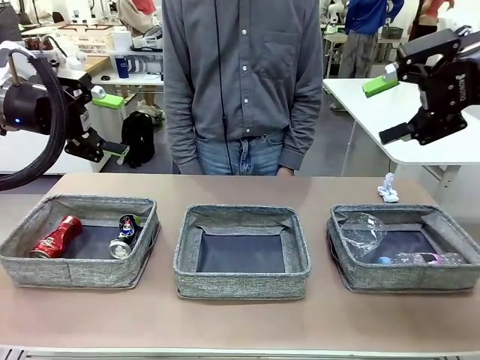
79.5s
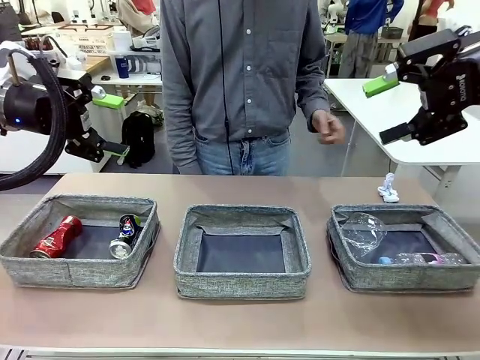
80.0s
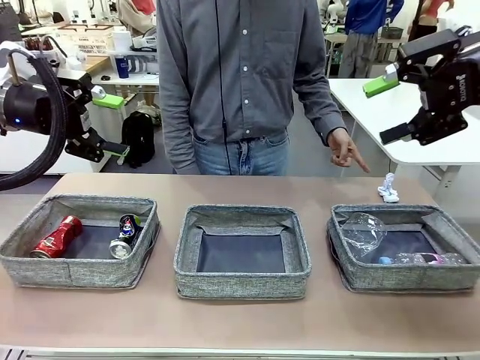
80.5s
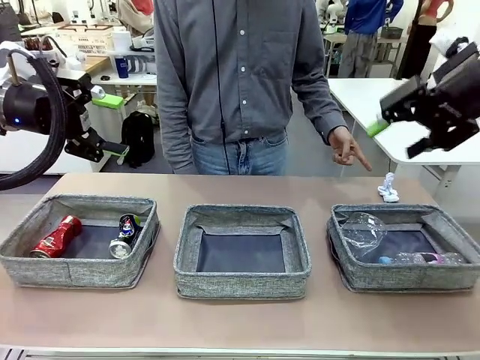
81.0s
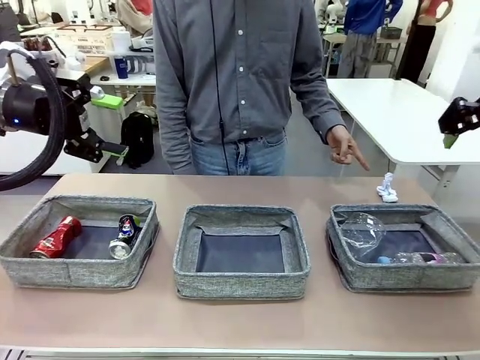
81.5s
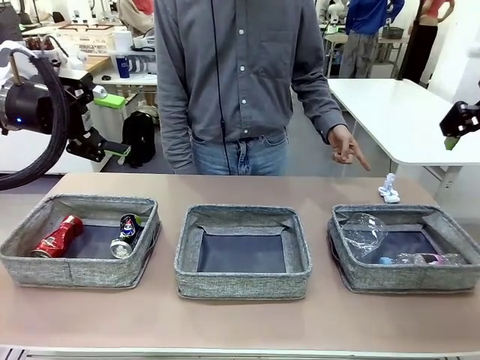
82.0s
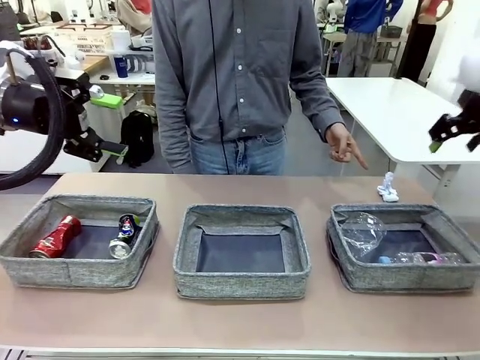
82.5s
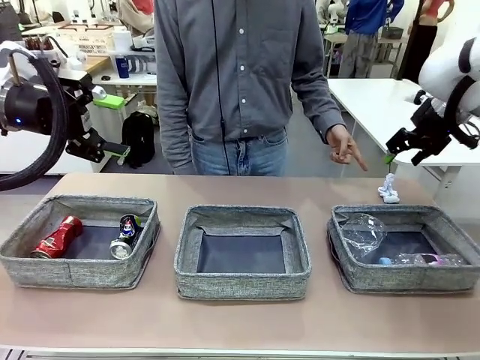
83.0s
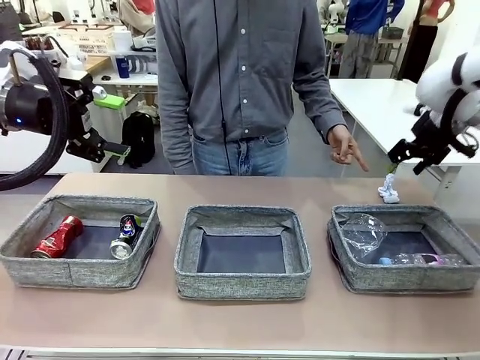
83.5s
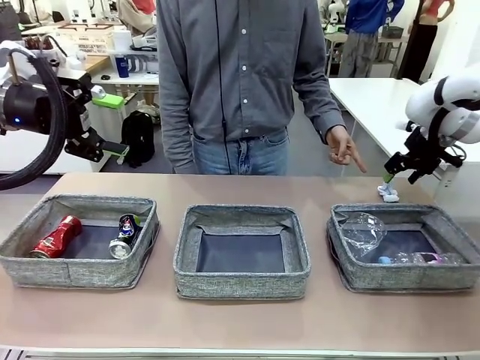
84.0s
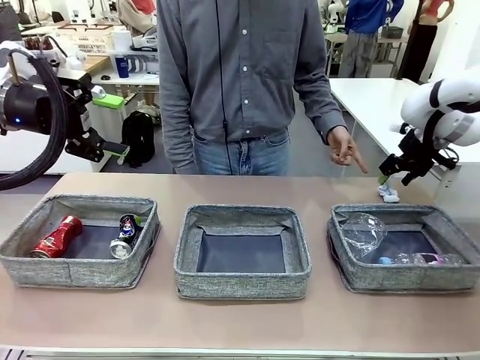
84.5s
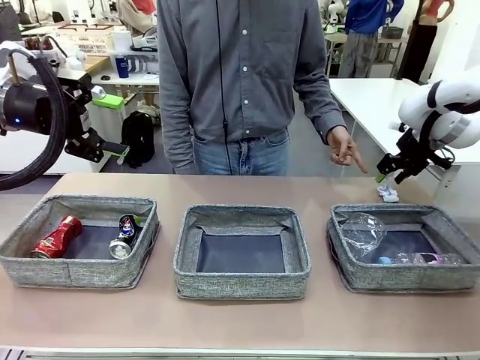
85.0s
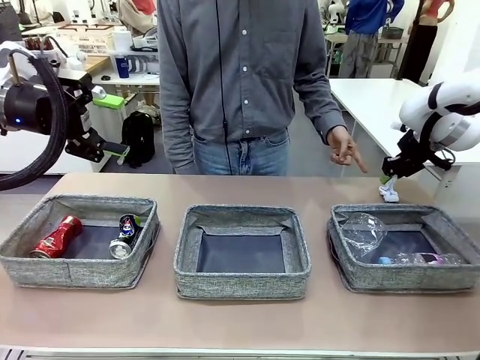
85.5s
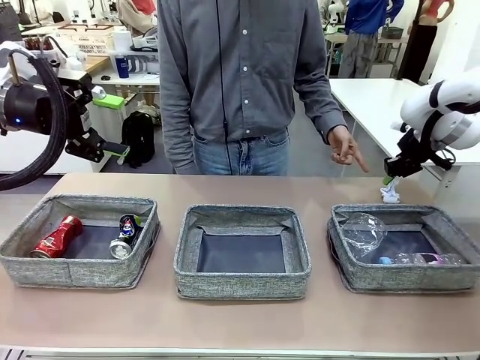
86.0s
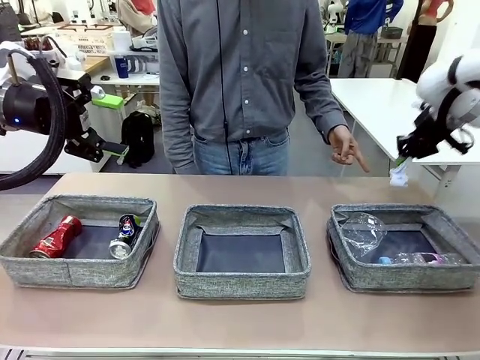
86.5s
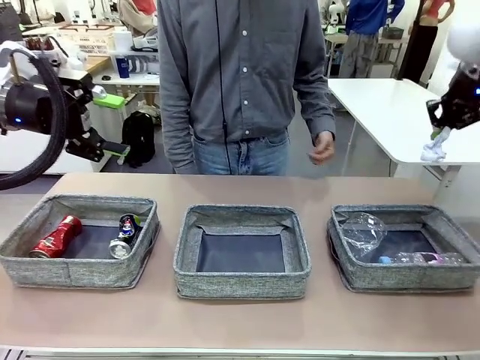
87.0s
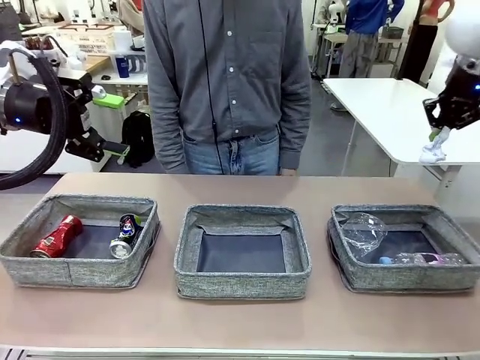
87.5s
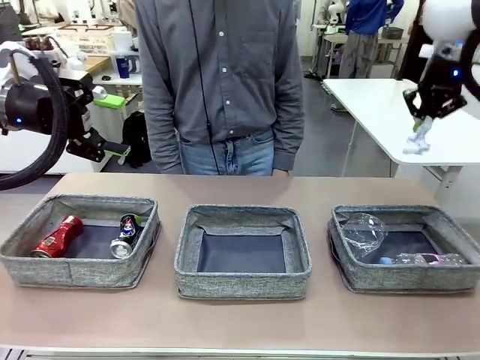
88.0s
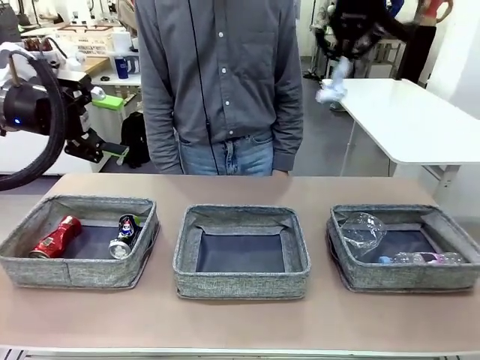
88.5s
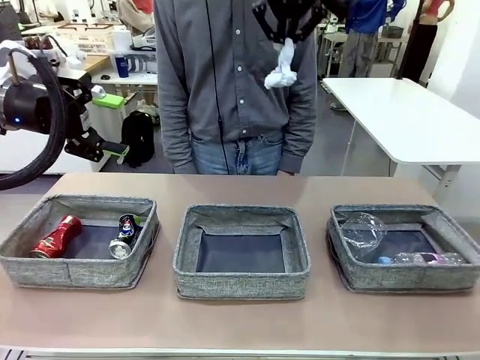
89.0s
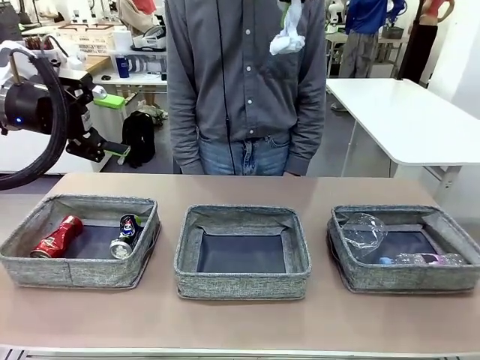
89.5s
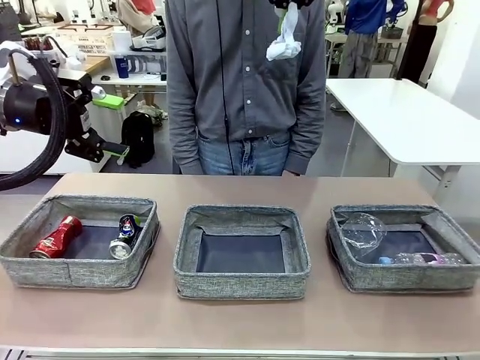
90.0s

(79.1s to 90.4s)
Task: Sort the waste into the appropriate baskets.
Robot: Pick up the waste item pointed out by the person.
Person: Points to one piece of trash on the table.

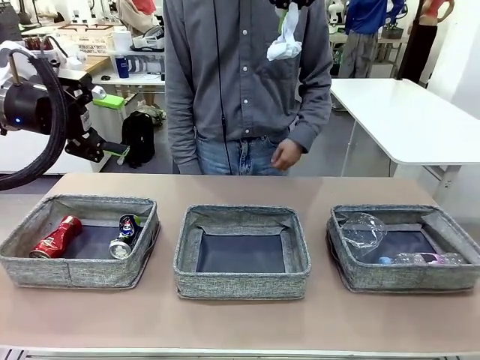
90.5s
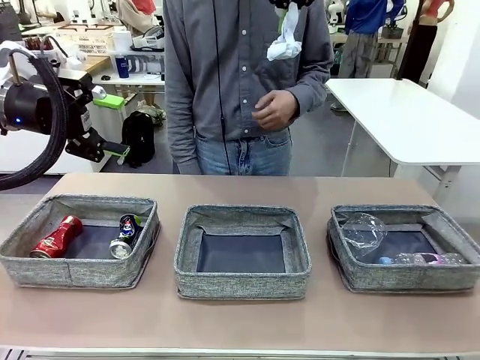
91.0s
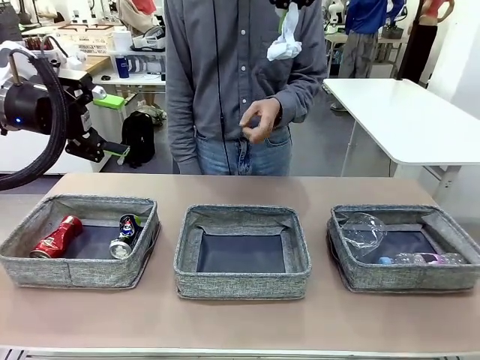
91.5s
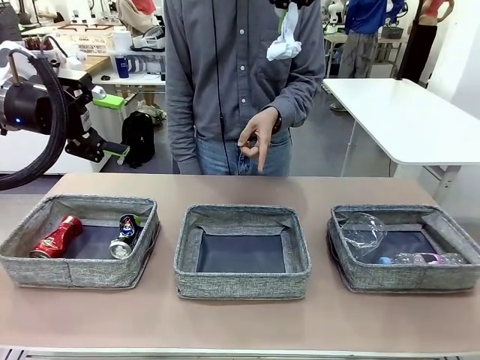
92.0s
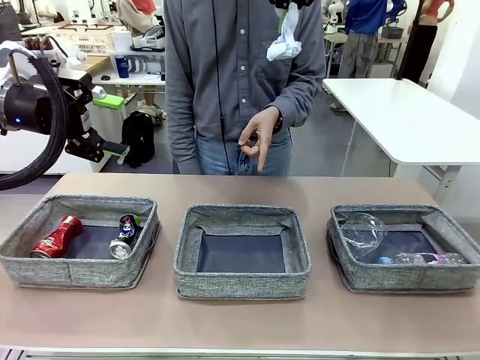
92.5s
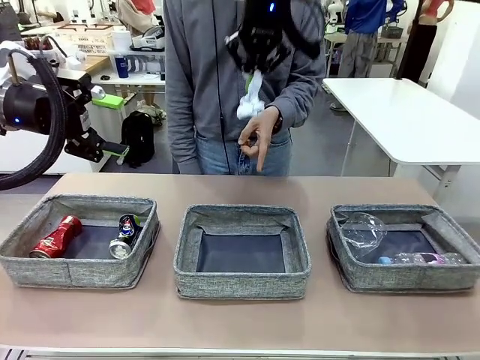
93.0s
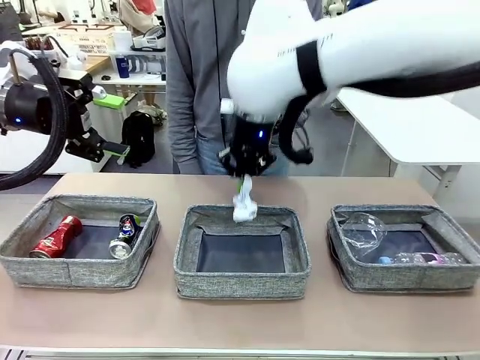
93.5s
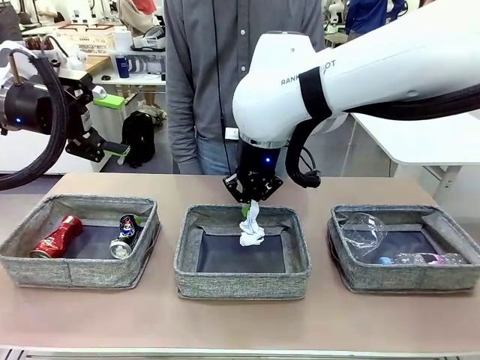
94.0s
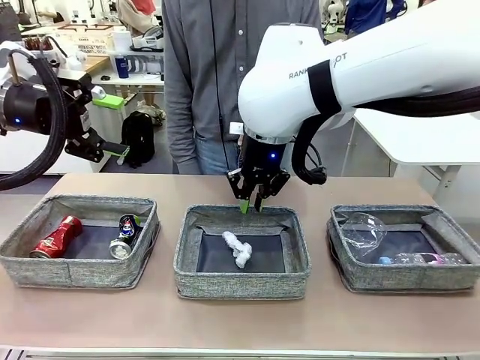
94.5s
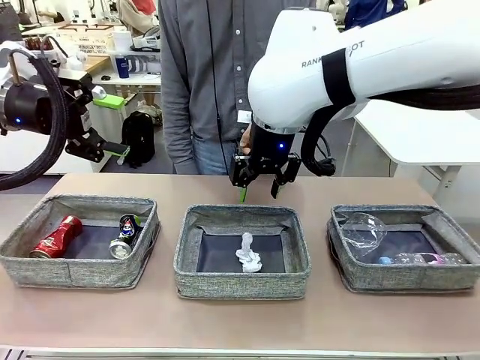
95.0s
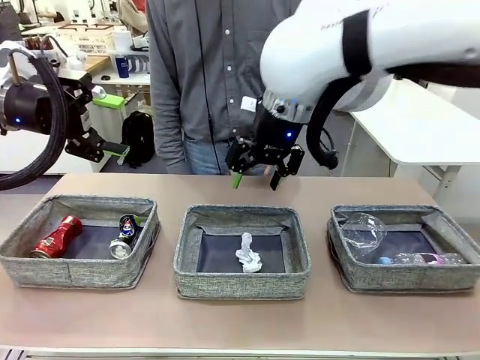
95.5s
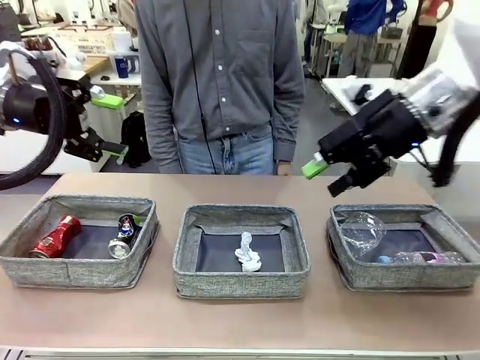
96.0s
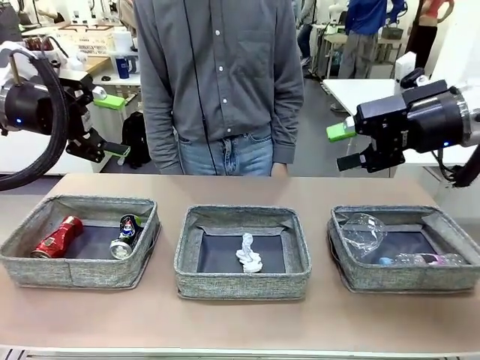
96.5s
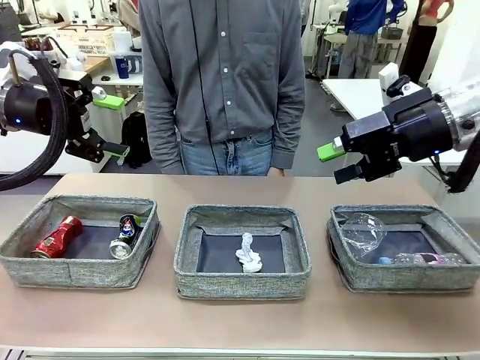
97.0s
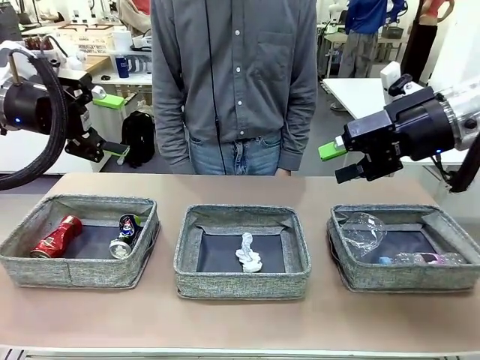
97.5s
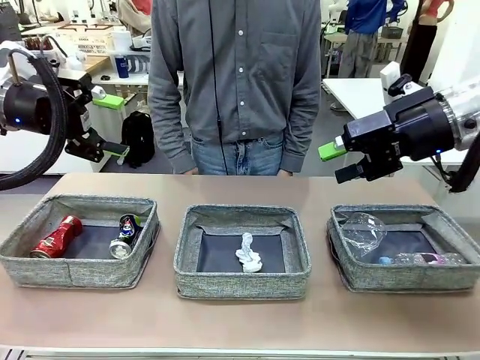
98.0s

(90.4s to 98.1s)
Robot: Place the picked waste into the Fabric basket indicated by the person.
Person: Instructs the robot to place the picked-up trash into the appropriate organizing basket.
